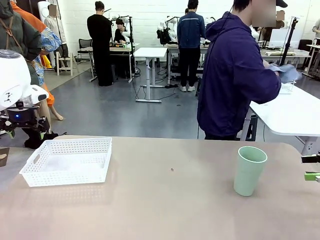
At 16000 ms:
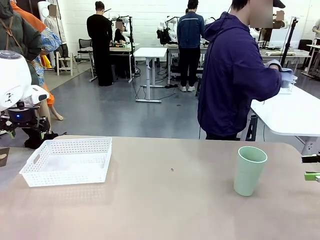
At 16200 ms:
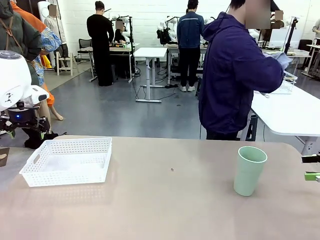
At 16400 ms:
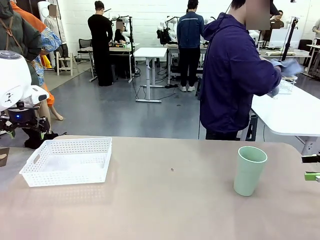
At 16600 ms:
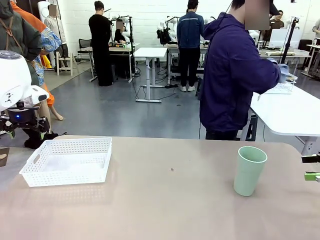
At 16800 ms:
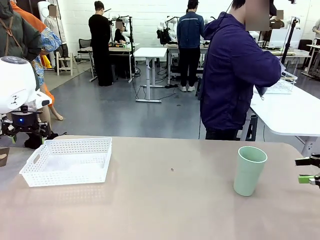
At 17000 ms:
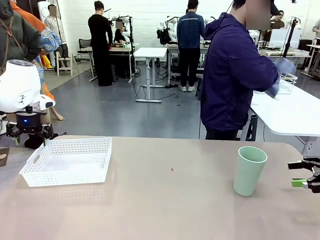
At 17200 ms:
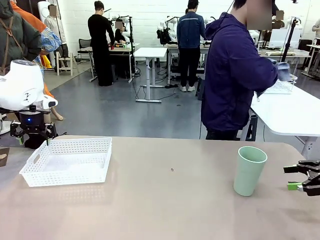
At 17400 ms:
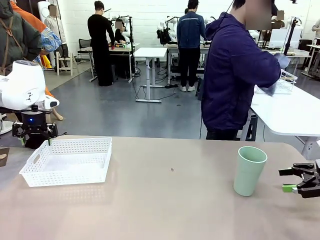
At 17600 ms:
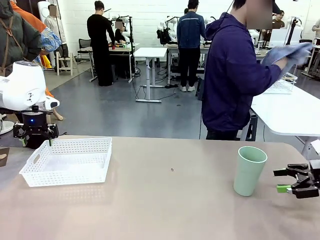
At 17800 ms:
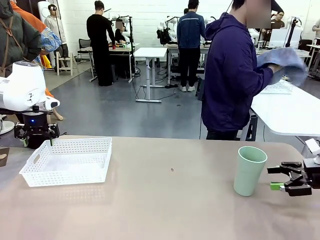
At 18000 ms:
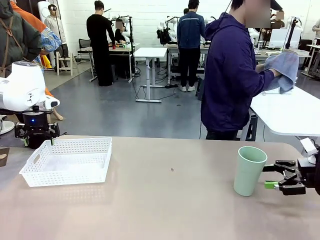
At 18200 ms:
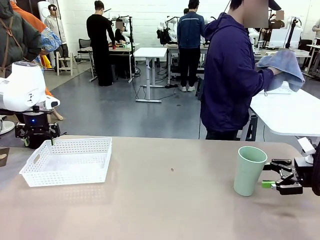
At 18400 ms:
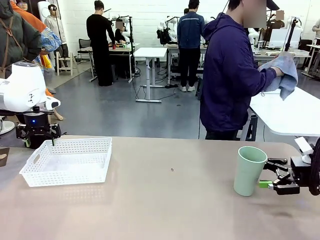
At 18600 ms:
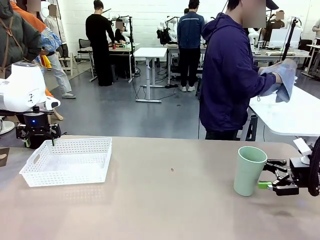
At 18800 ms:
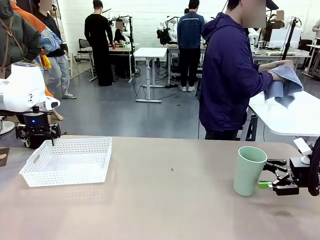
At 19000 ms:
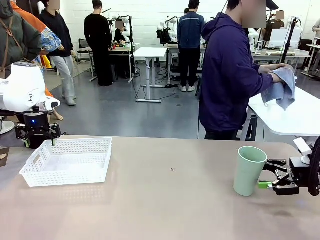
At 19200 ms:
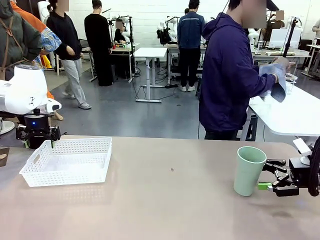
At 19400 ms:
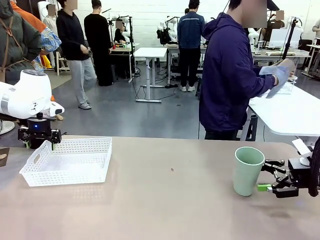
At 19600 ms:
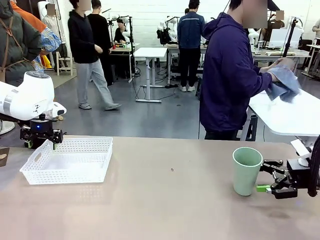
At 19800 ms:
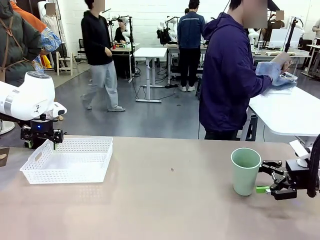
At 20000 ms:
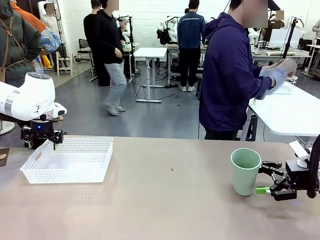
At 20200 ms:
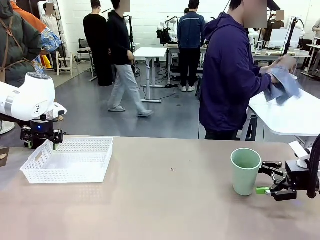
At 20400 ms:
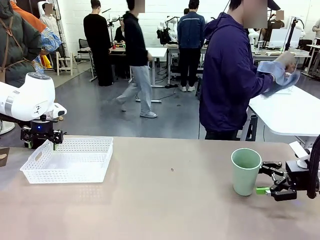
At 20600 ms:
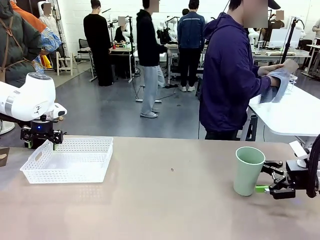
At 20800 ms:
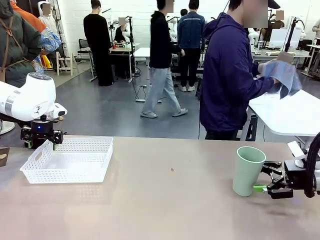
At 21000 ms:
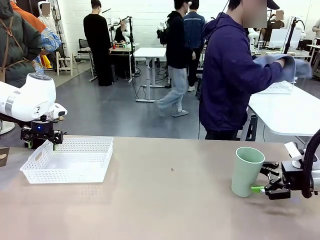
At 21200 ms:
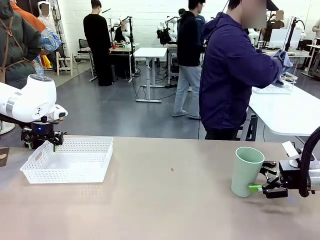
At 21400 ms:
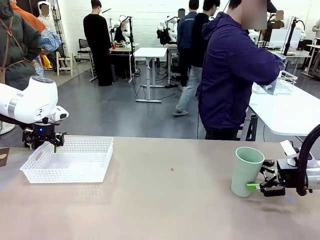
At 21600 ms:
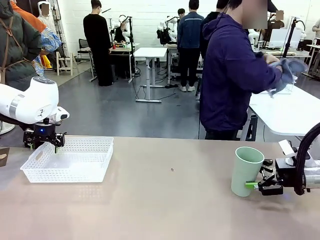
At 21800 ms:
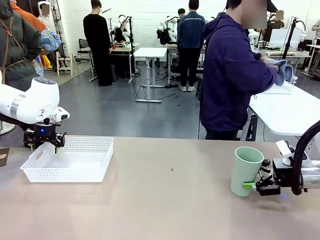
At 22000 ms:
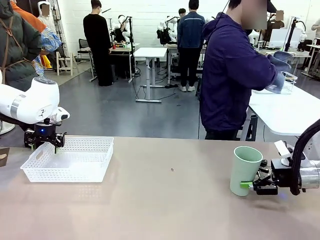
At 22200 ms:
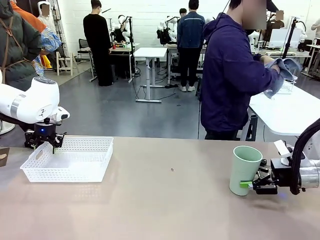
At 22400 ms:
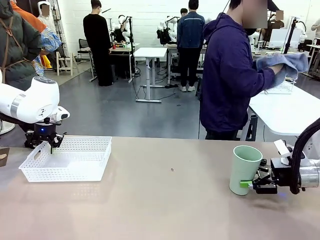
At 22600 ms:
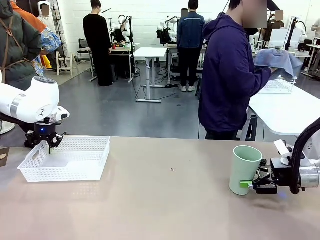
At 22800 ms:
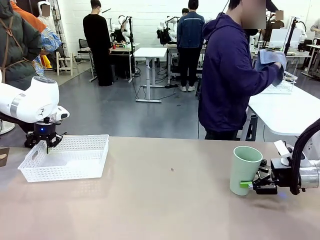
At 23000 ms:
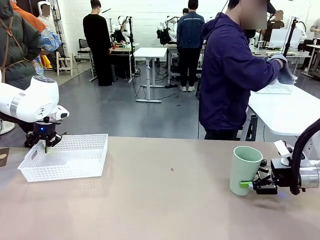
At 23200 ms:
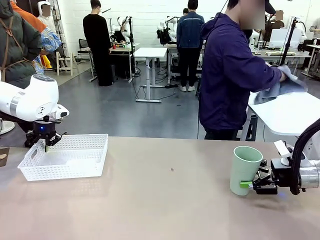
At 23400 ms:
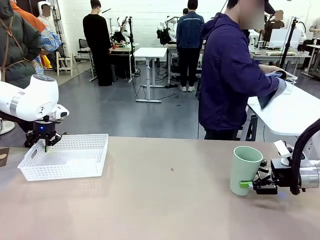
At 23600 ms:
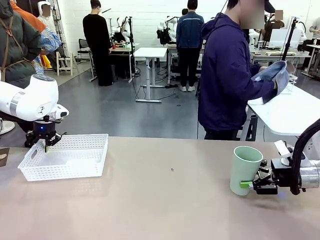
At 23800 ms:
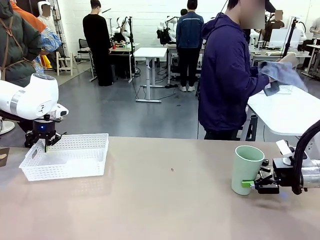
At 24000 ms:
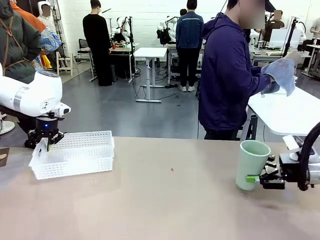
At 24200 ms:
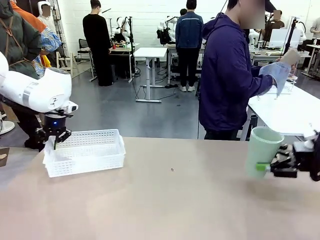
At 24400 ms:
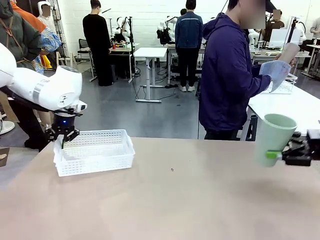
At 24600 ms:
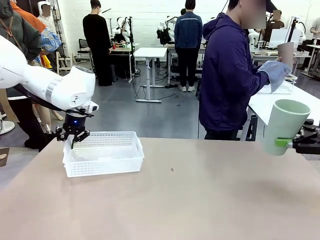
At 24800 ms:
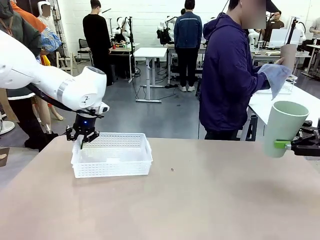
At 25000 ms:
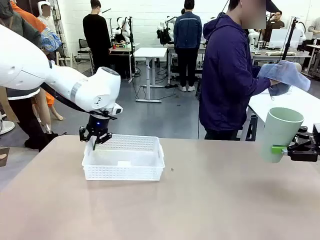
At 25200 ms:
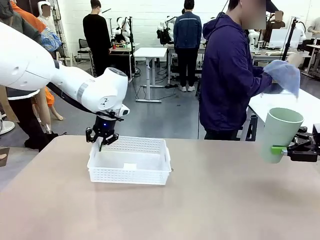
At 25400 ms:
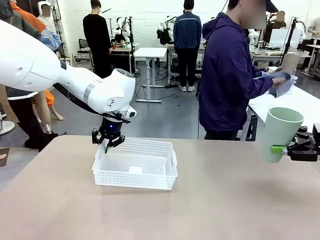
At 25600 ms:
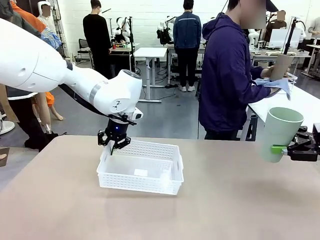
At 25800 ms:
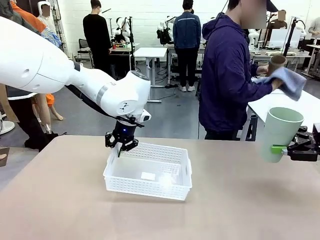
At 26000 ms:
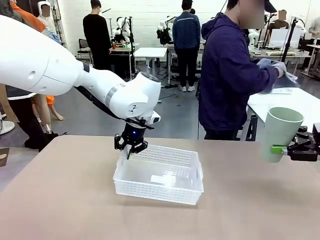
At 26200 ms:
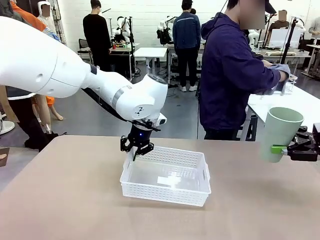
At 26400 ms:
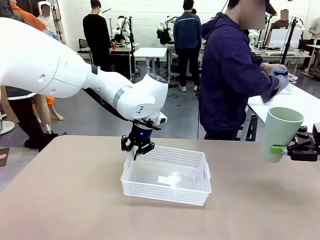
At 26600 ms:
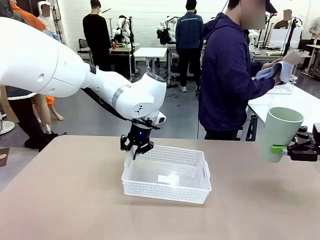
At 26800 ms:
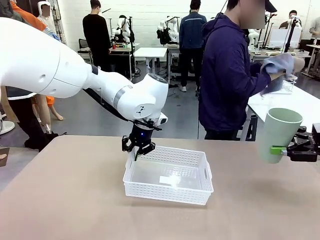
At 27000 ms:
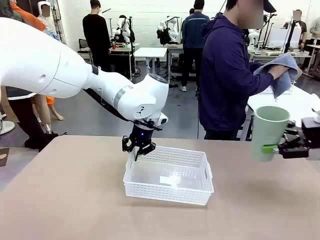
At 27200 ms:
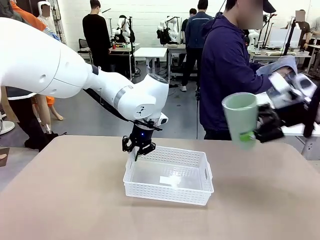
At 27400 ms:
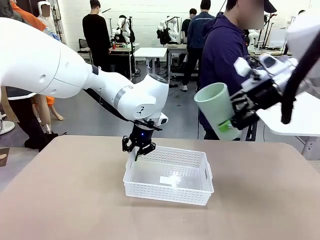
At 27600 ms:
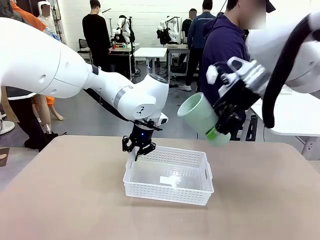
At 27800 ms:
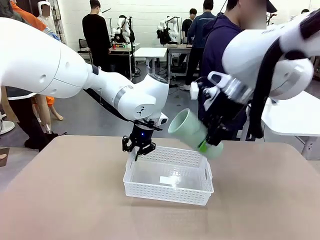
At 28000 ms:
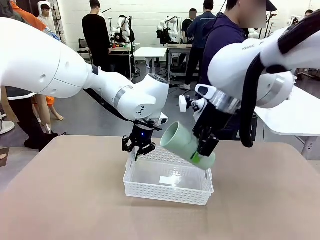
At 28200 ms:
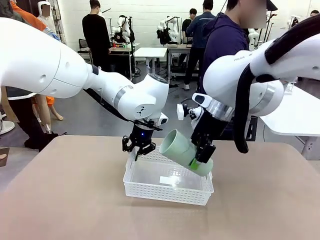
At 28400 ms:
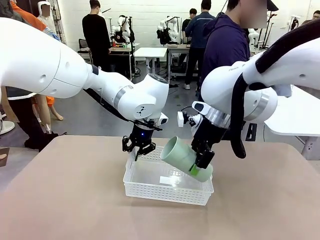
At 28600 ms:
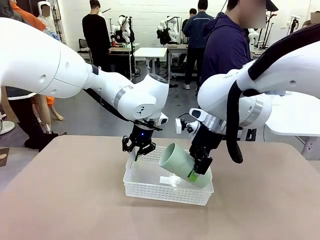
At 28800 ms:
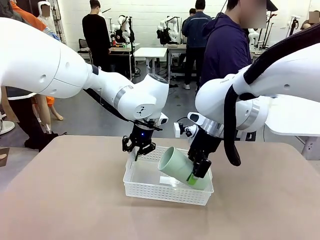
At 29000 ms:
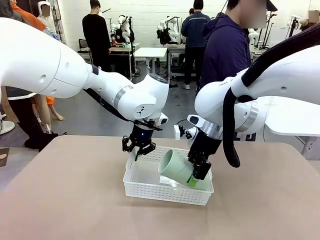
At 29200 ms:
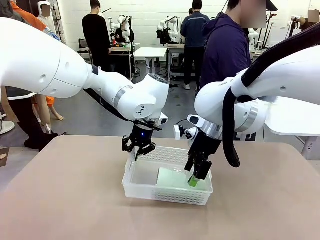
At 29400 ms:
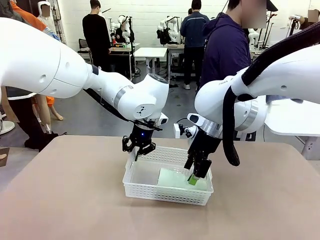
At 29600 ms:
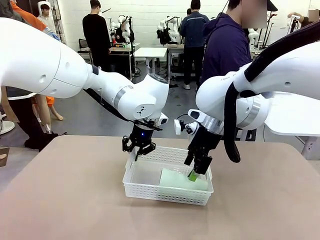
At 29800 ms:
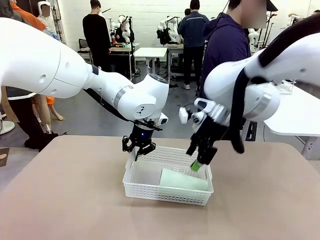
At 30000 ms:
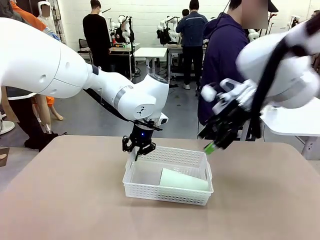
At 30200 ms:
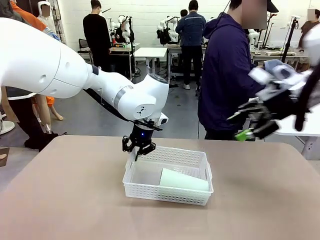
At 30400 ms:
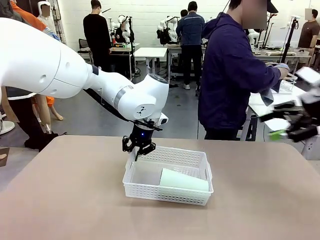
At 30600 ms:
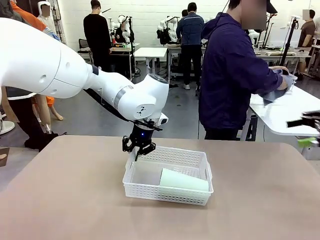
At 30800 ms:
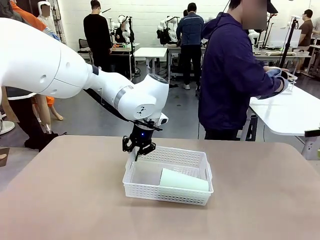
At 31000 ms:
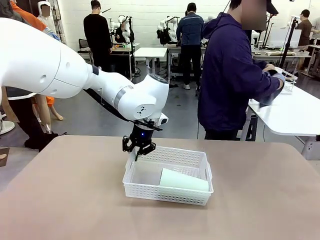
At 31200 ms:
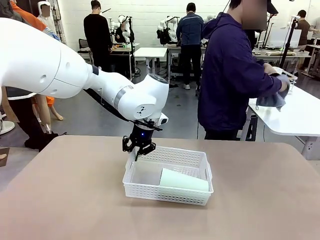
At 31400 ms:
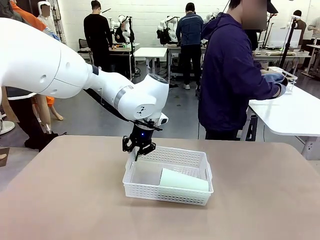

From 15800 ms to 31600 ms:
Task: Clean and organize the cups into the basket.
Robot: Pick up the Organizing basket and move it to the center of the table, then pick up the Reusable plastic cup from the right side of the table and place it inside the Organizing basket.
